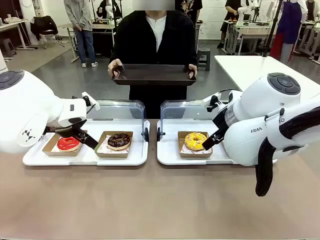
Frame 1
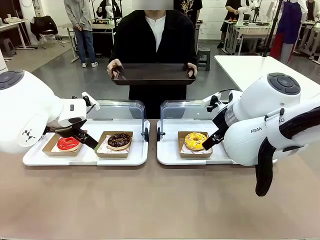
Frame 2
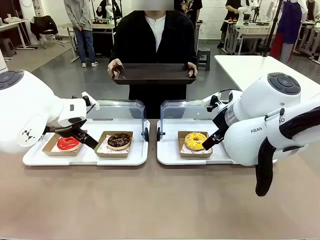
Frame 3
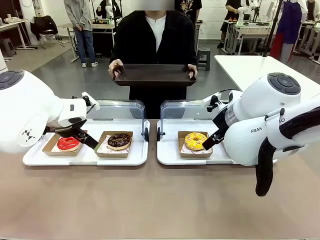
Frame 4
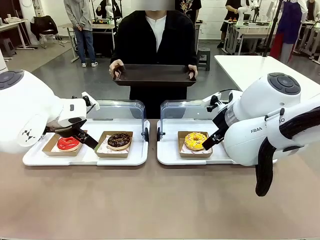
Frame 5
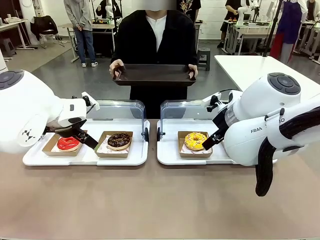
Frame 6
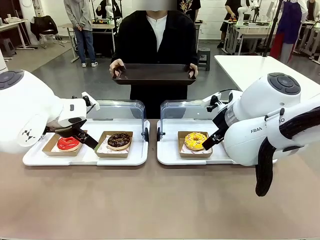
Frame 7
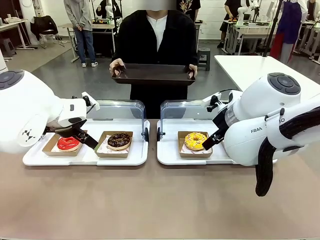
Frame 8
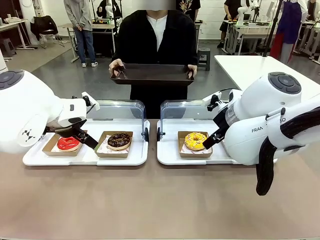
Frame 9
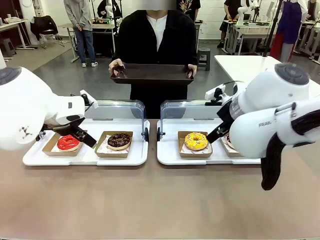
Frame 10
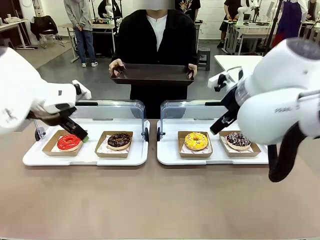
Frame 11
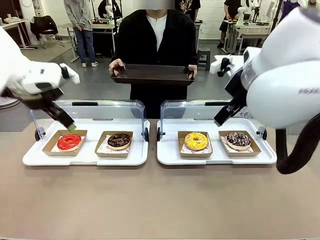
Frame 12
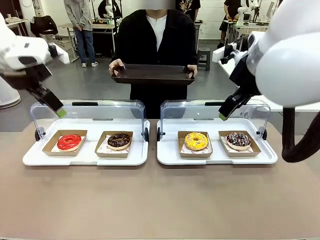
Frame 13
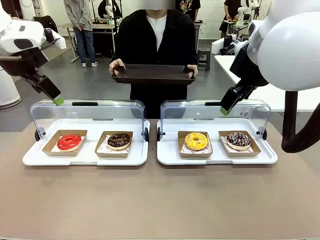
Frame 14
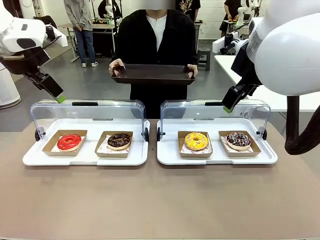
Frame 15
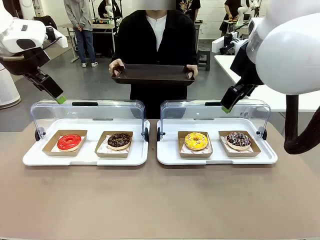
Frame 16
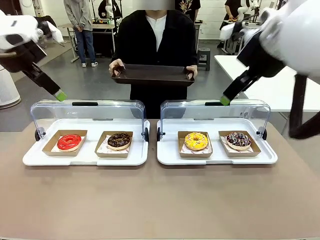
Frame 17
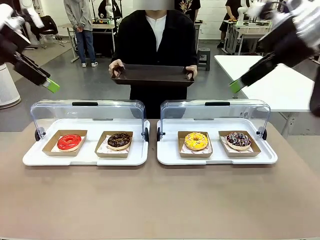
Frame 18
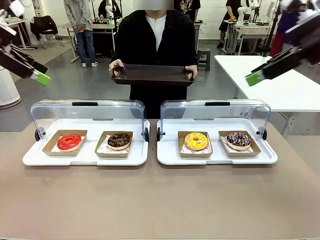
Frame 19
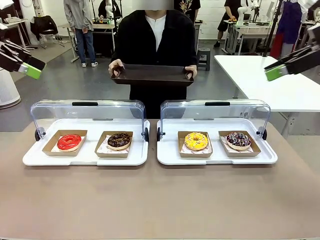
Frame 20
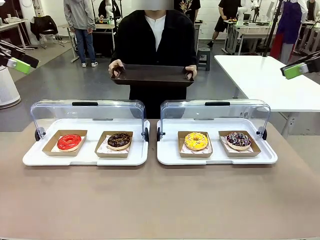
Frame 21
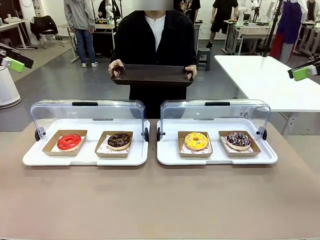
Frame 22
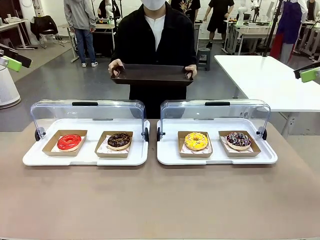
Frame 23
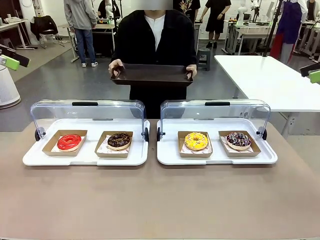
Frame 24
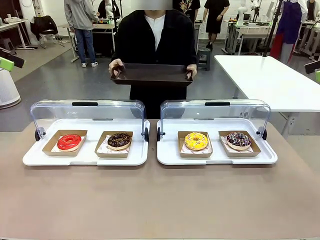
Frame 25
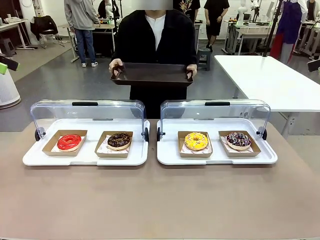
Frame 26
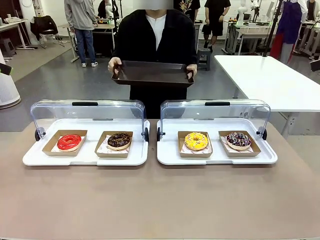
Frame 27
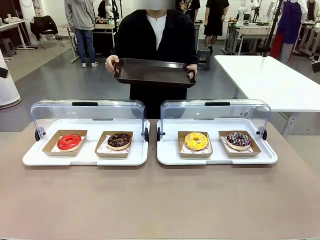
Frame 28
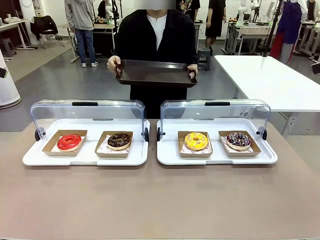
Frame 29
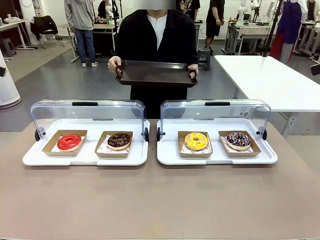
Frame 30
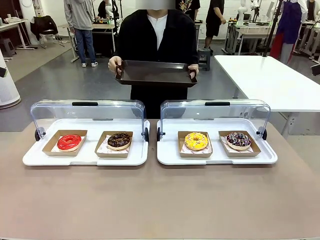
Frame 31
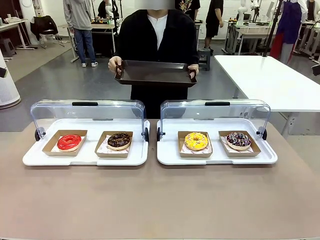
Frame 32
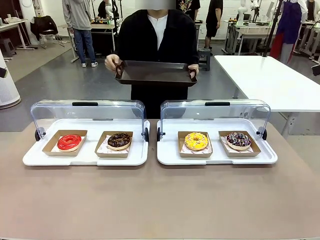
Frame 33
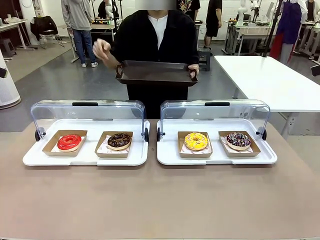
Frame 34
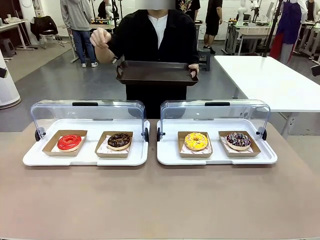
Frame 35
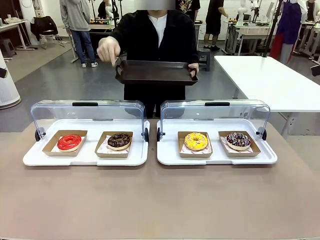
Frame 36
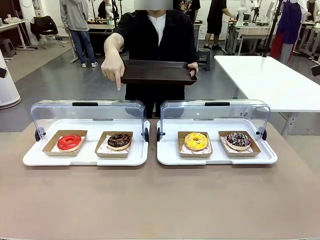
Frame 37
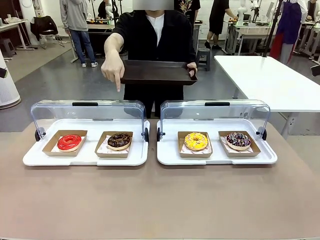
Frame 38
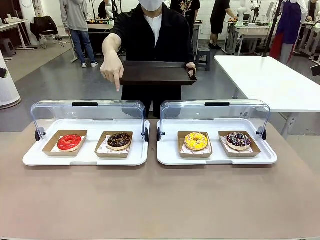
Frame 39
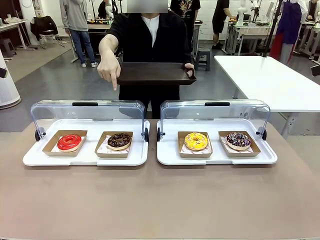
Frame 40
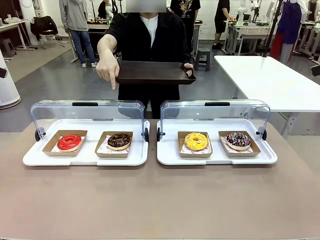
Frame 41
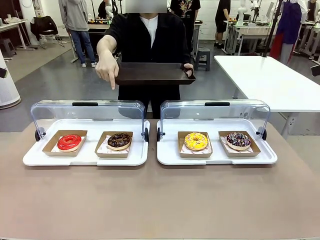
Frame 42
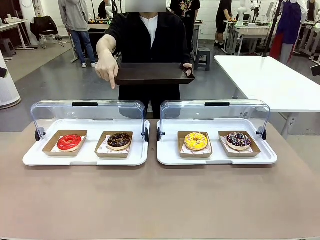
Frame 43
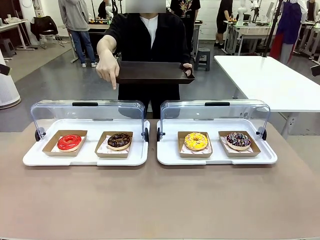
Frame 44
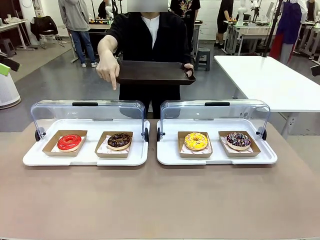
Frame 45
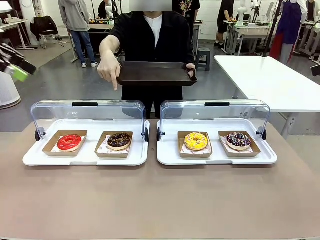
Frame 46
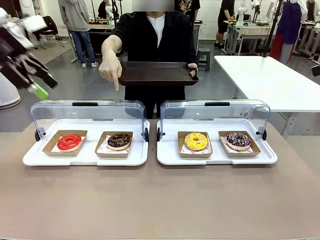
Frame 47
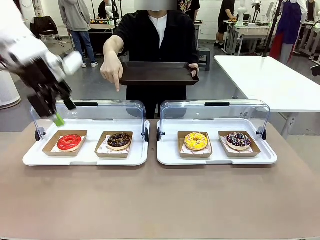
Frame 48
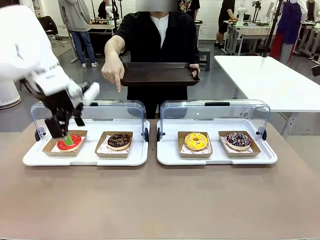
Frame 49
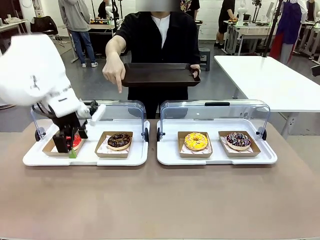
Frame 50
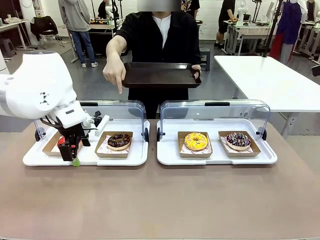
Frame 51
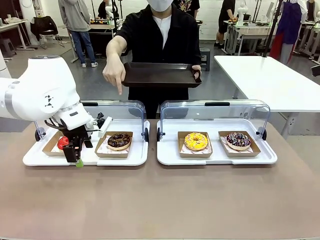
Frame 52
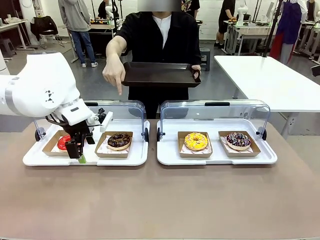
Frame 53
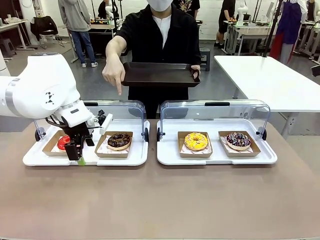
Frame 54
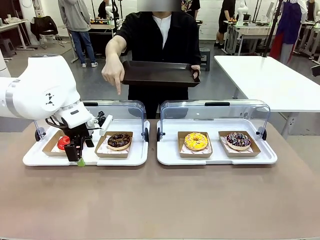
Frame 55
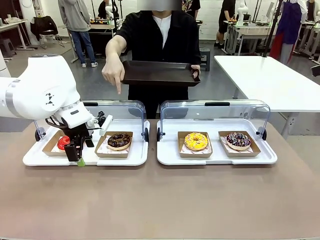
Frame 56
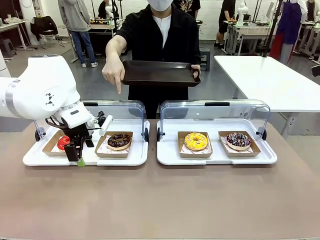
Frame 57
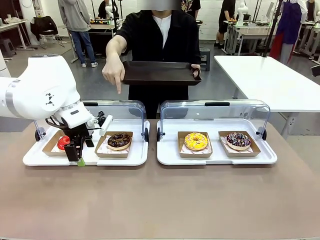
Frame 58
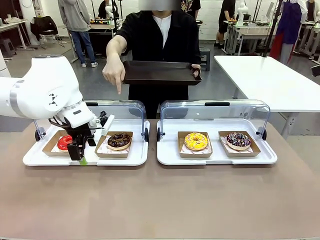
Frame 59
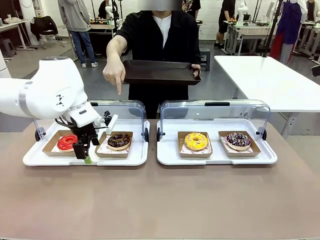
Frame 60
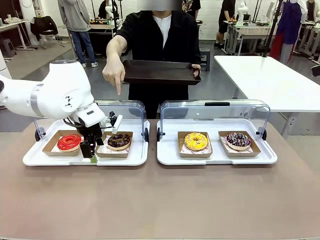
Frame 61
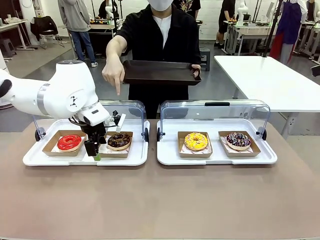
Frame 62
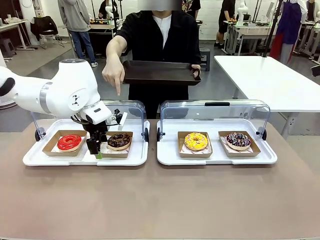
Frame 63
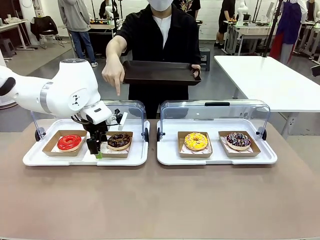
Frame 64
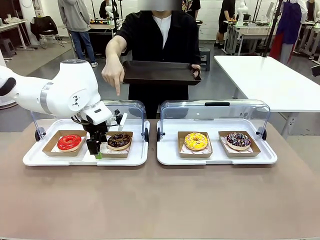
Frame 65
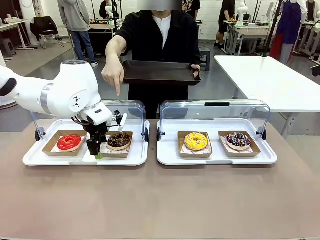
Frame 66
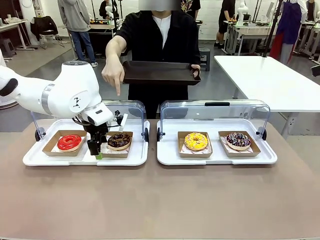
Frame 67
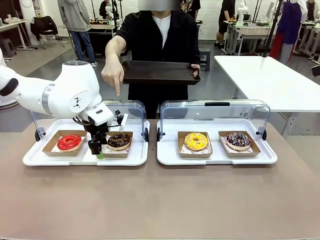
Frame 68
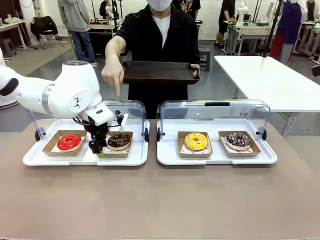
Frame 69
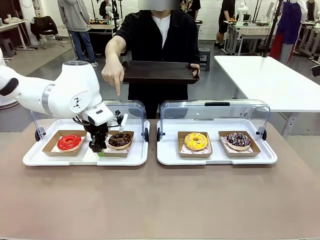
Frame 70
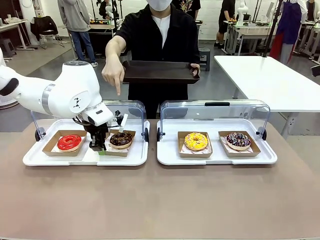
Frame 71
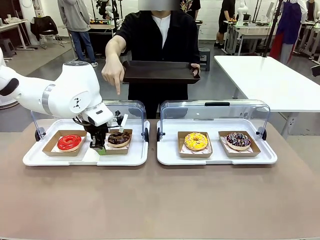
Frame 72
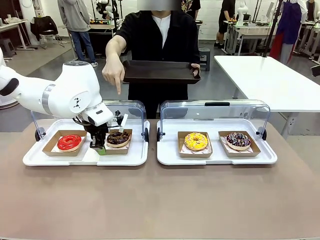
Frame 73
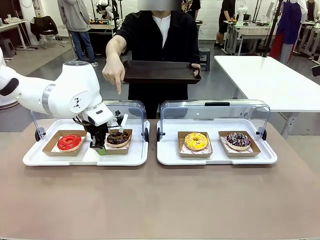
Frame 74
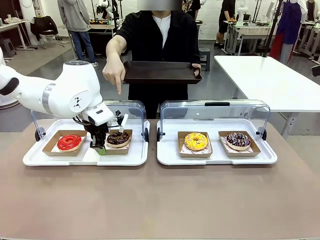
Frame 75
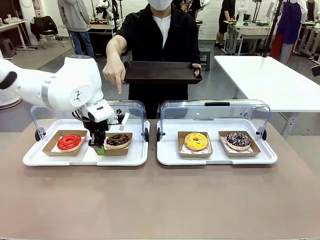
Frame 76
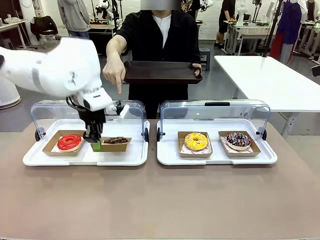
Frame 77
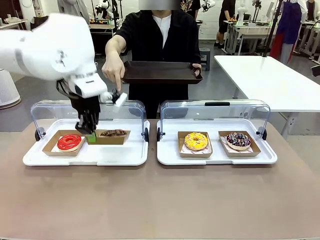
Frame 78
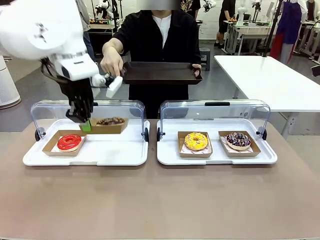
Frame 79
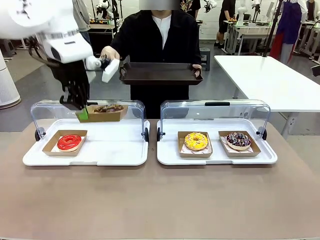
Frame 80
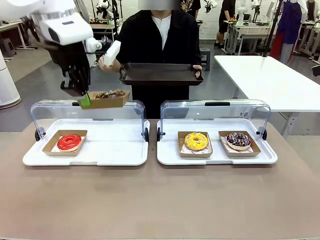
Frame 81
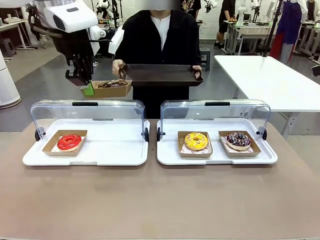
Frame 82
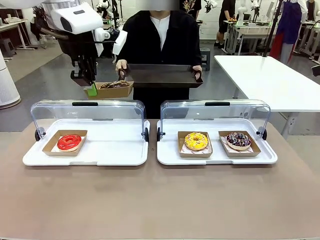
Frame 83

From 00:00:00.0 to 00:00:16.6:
Task: Provide the desired donut to the person.
Robot: Pick up and lift the Paper togo box containing the Donut pointed at by the person.
Person: Point to one donut. Lift the tray onto the Roll-Top Bakery Case.

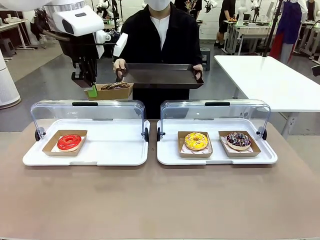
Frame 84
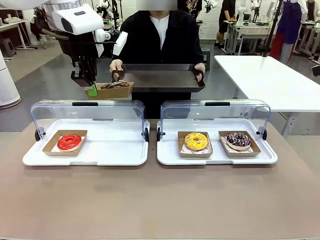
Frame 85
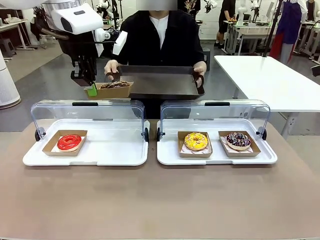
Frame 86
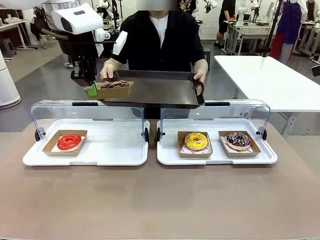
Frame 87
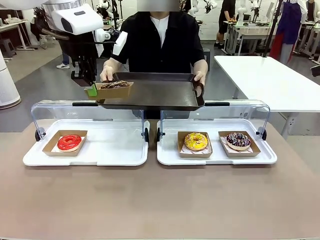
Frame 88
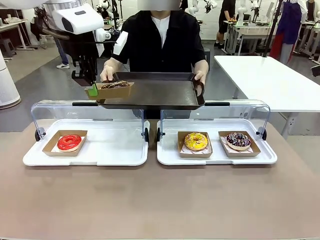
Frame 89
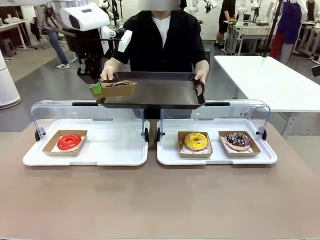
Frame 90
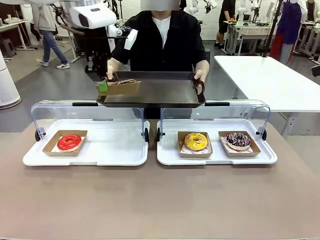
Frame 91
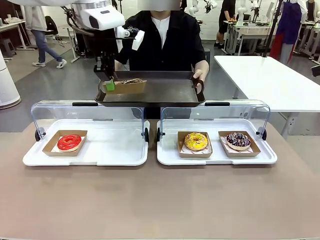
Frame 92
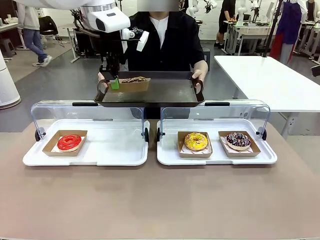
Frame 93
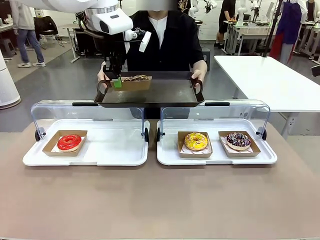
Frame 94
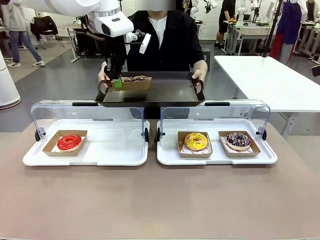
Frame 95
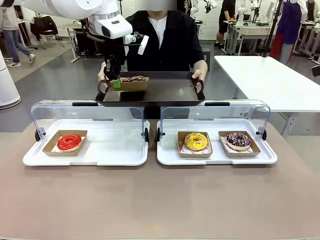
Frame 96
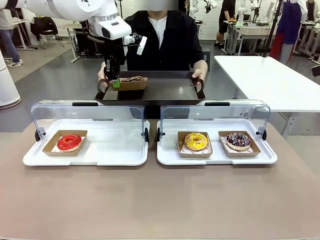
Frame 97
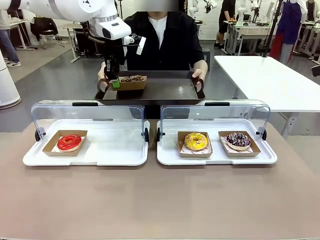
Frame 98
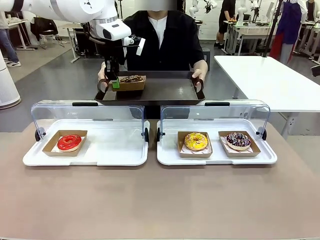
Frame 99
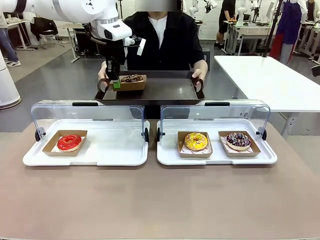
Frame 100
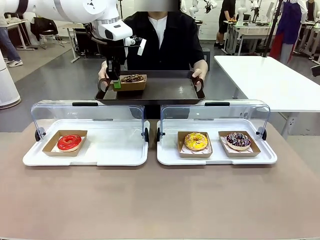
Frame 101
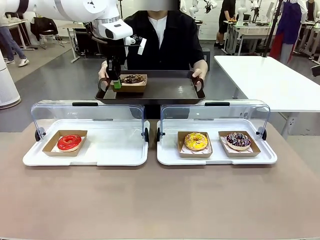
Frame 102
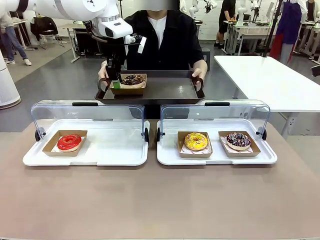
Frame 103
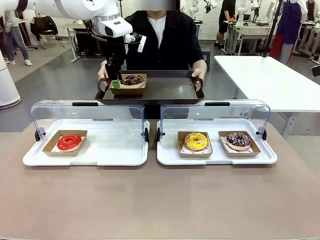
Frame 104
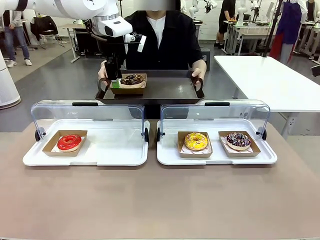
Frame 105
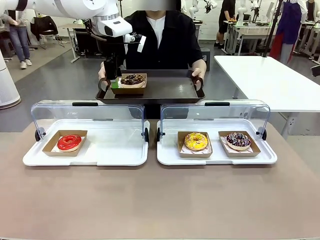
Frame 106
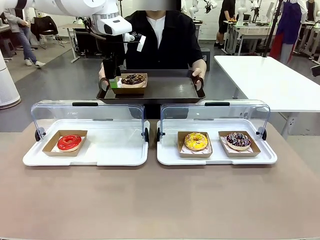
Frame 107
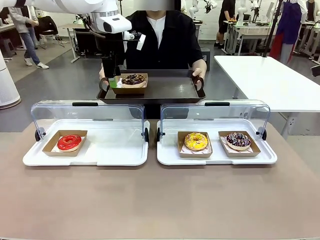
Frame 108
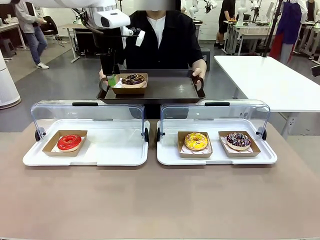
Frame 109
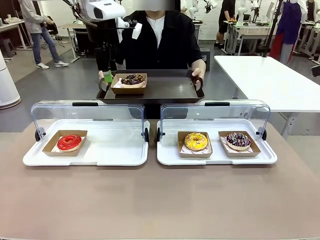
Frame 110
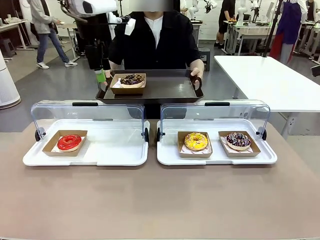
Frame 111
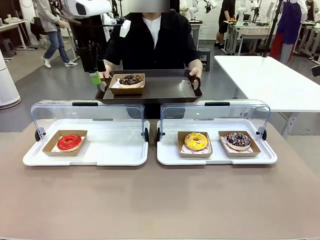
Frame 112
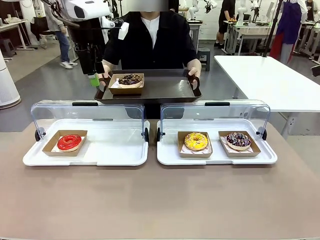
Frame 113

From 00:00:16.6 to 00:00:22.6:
Robot: Place the picked Paper togo box onto the Handle tray extended by the person.
